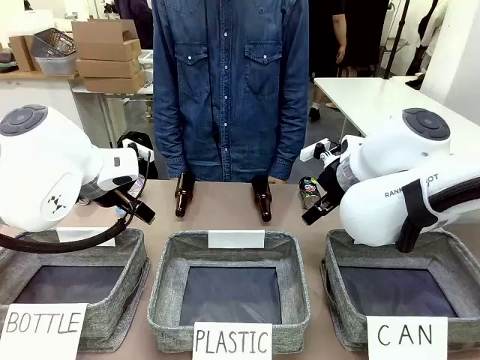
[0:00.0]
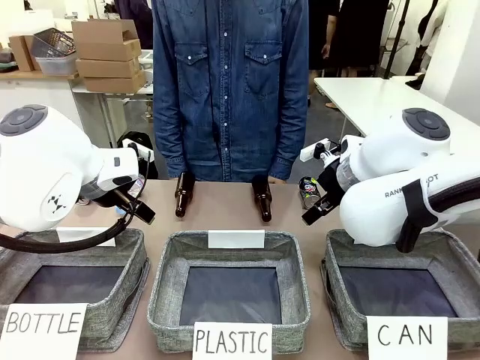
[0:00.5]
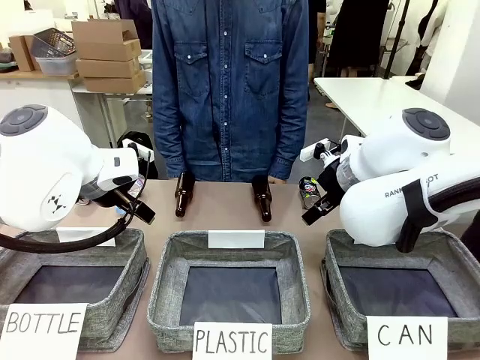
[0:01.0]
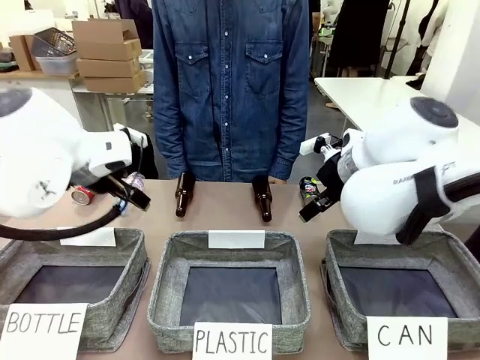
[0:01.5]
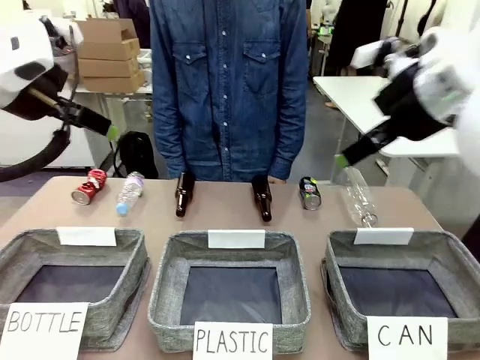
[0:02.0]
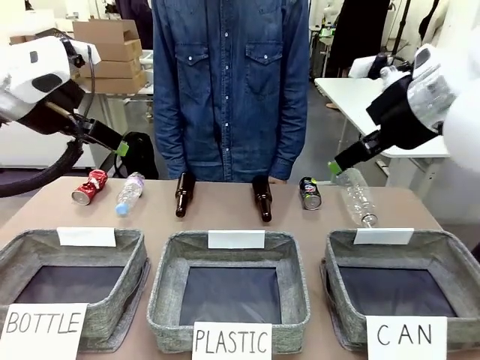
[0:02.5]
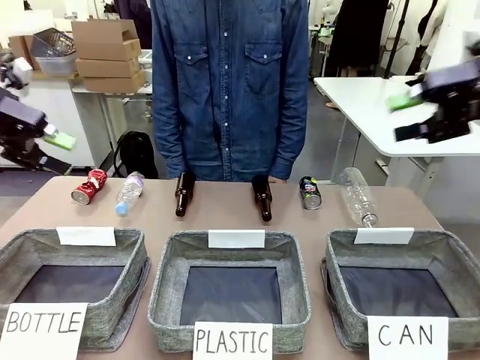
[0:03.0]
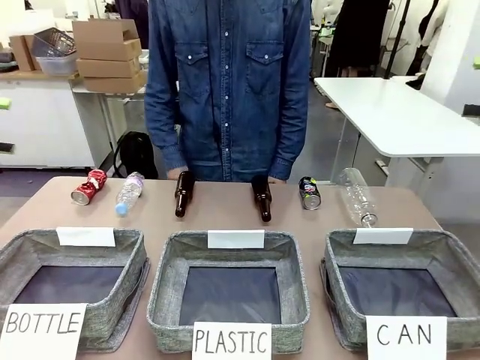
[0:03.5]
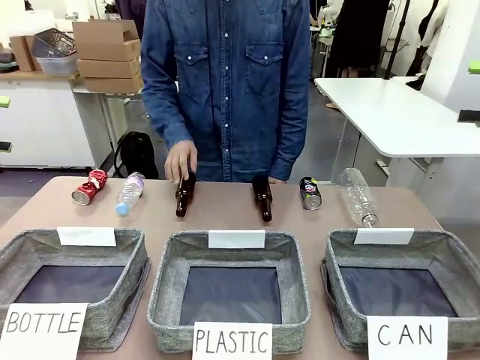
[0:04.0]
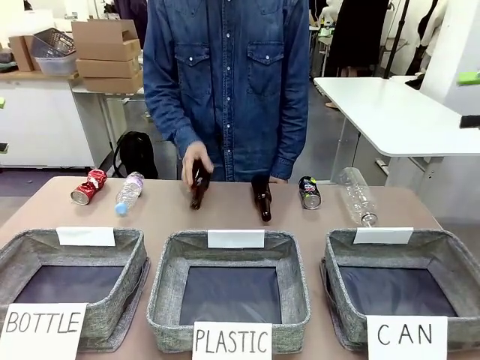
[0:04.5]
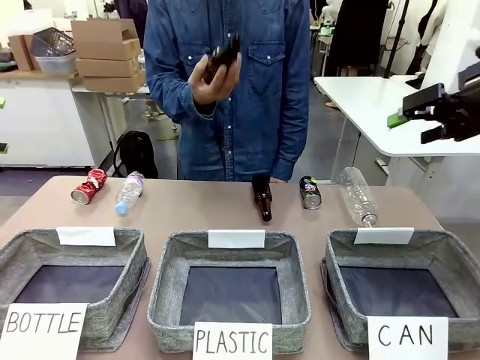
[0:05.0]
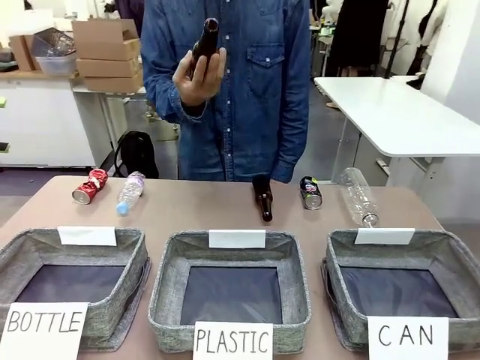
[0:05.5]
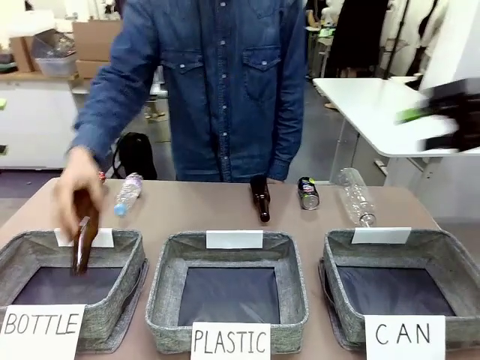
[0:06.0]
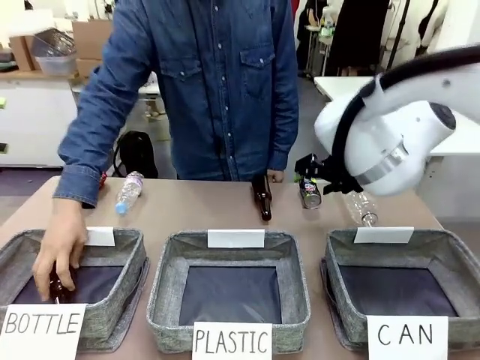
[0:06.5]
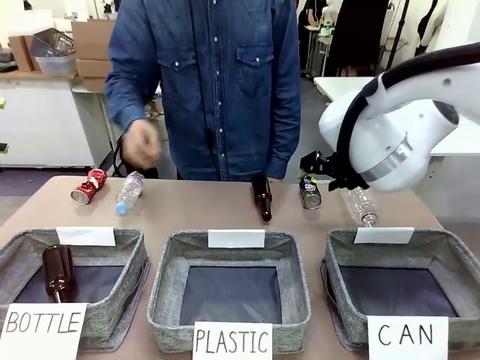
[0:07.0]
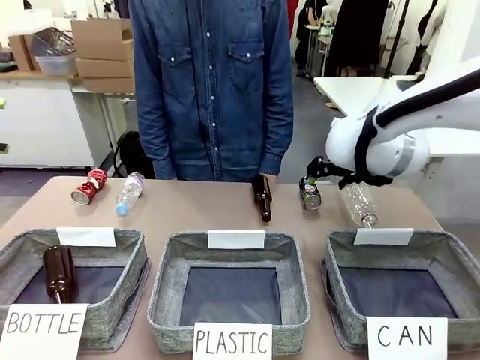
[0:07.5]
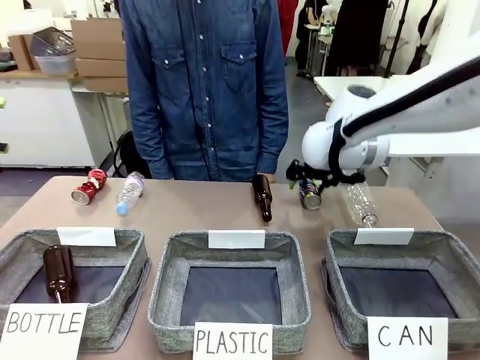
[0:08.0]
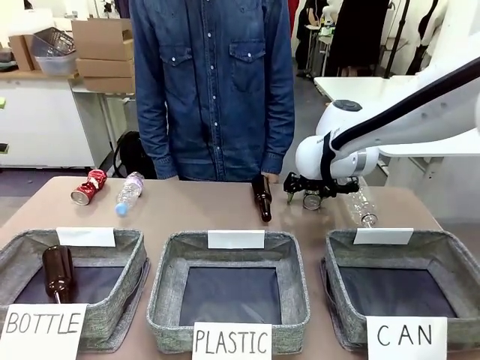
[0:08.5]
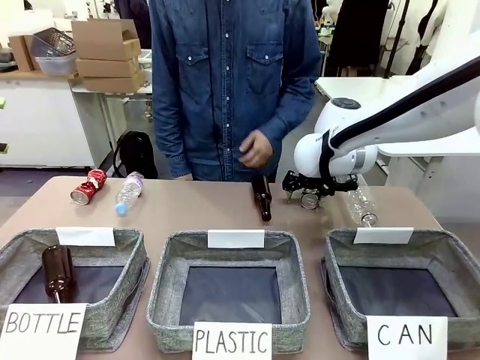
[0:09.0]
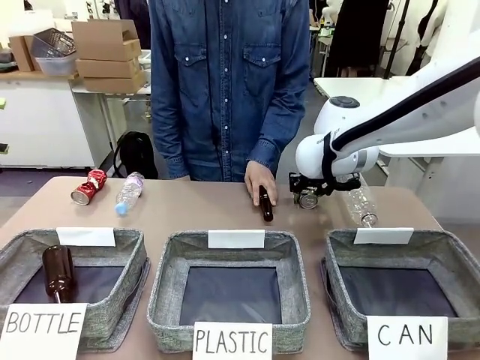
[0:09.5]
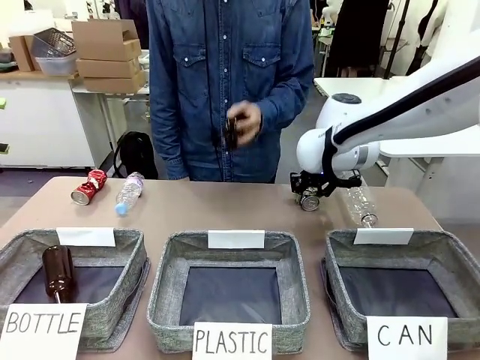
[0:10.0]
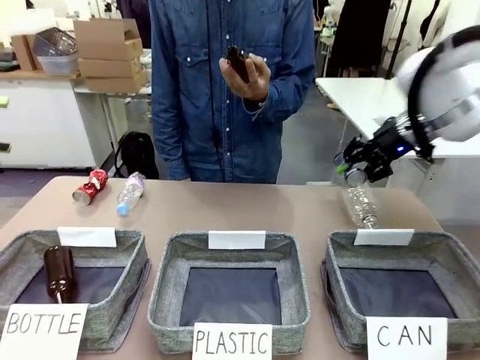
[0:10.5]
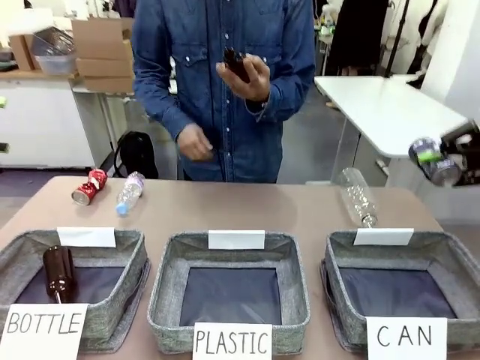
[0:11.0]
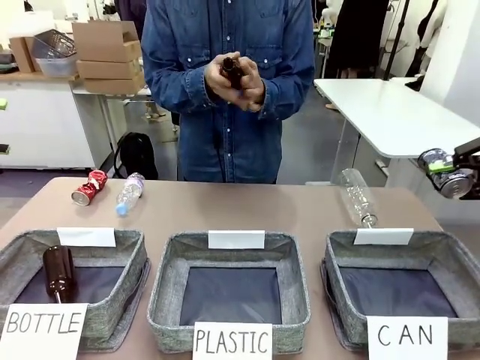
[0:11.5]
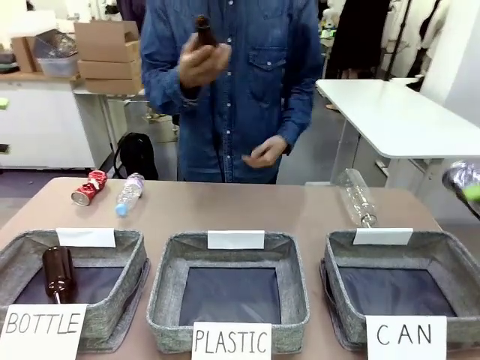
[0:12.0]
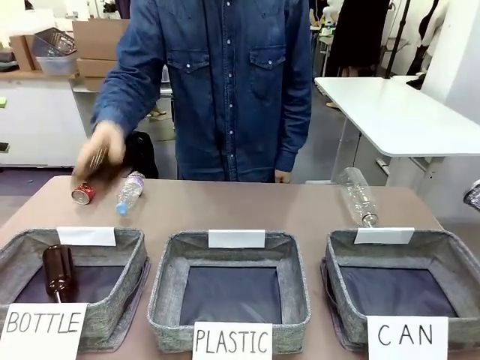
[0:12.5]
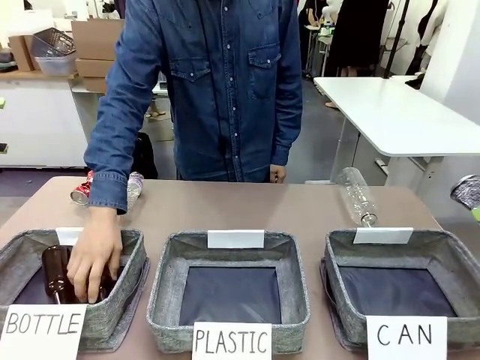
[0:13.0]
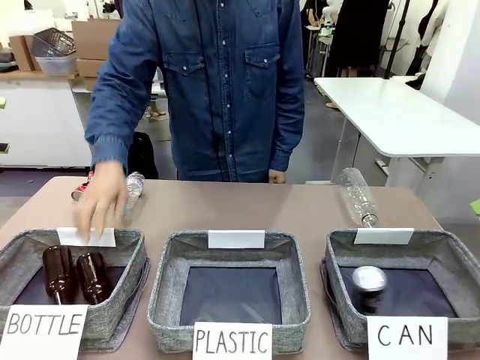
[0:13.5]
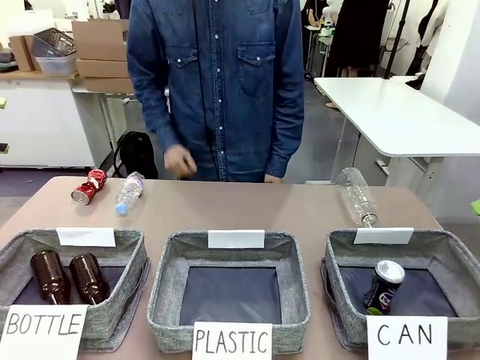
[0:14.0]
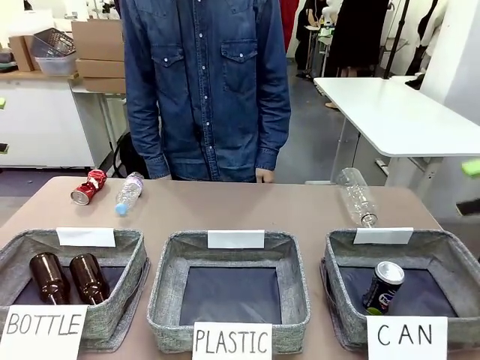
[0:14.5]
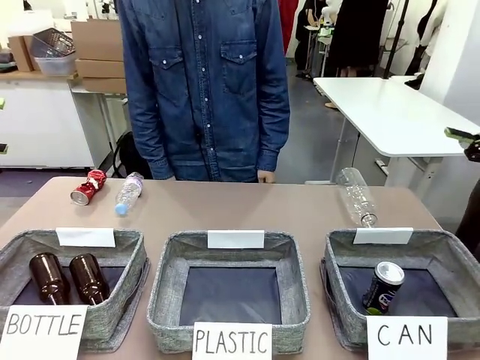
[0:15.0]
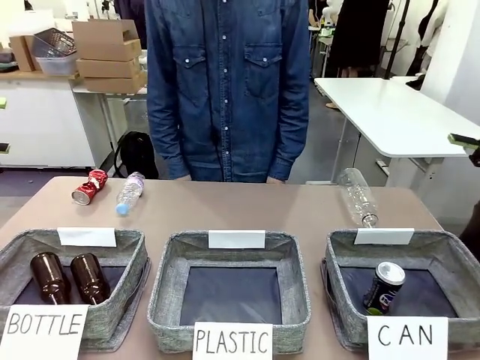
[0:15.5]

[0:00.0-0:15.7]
Task: Sort the can waste into the basket.
Robot: Pick up the can waste from the table and place it in the right Fabric basket.

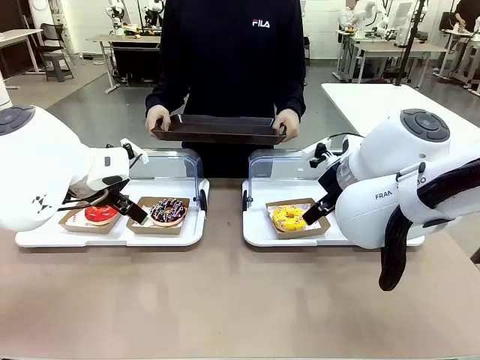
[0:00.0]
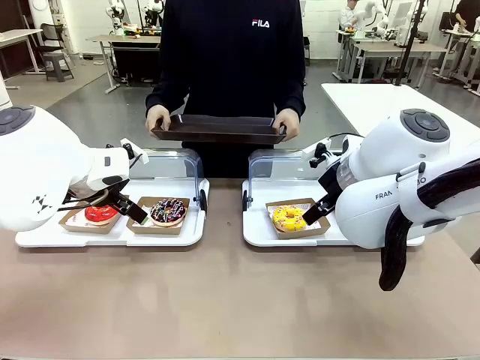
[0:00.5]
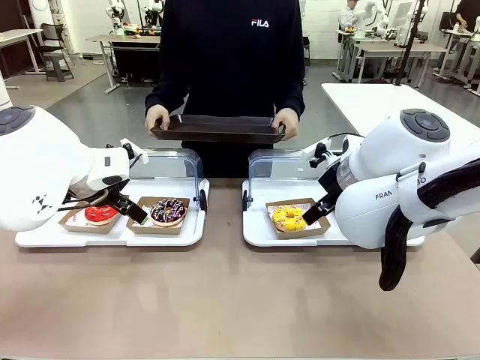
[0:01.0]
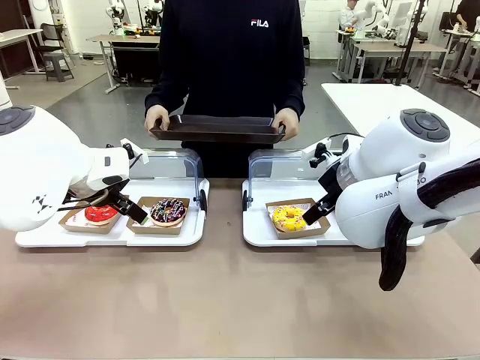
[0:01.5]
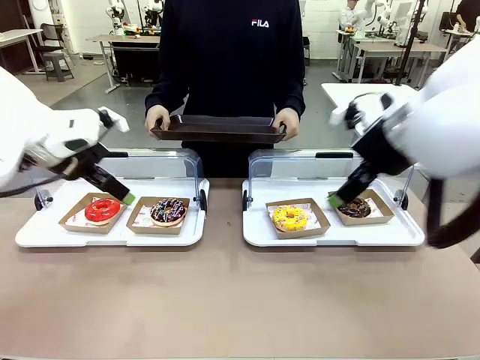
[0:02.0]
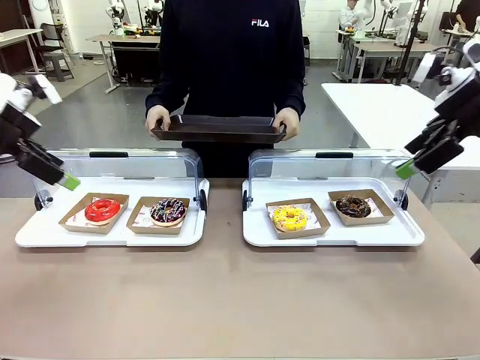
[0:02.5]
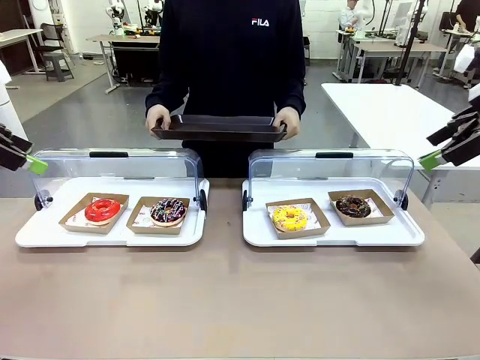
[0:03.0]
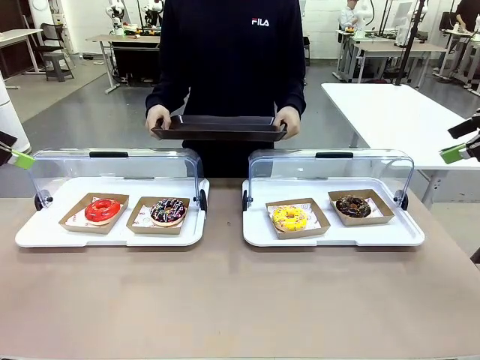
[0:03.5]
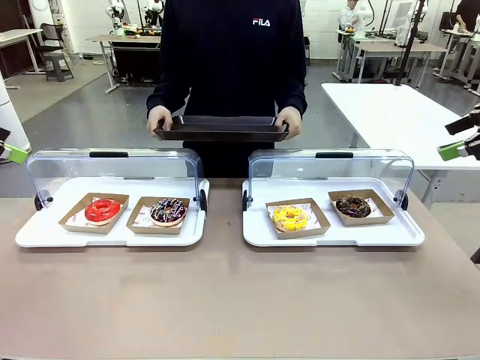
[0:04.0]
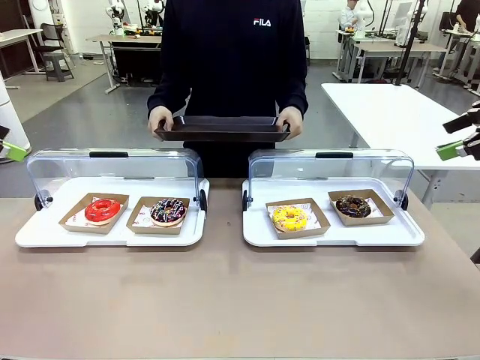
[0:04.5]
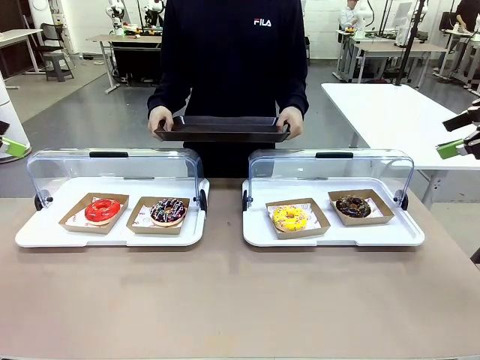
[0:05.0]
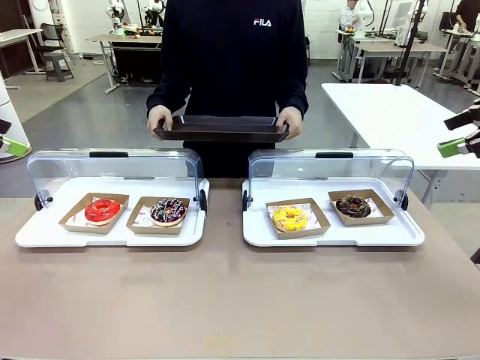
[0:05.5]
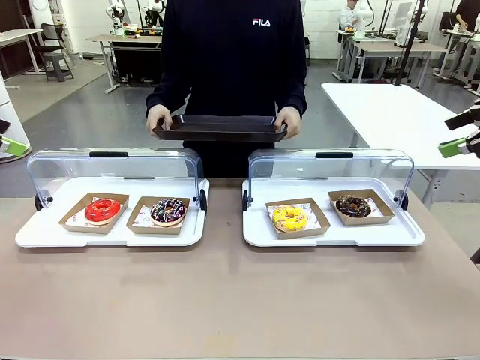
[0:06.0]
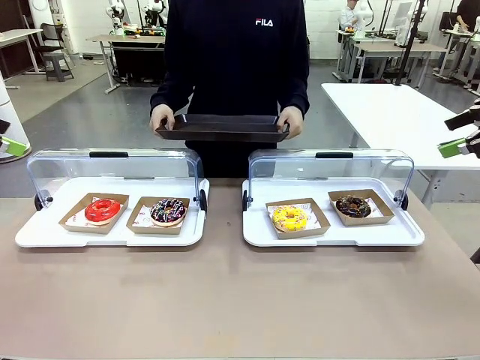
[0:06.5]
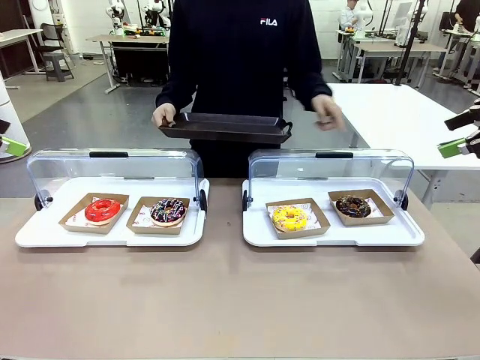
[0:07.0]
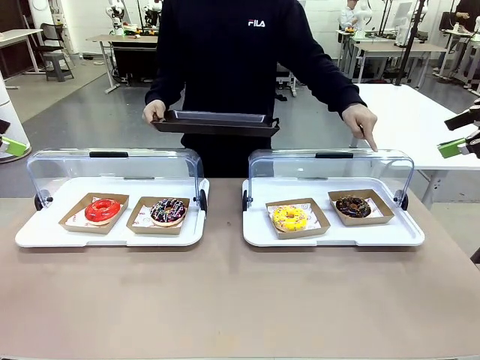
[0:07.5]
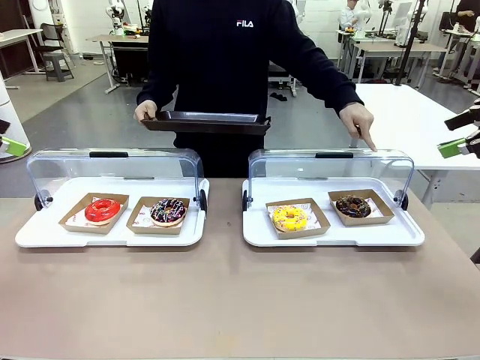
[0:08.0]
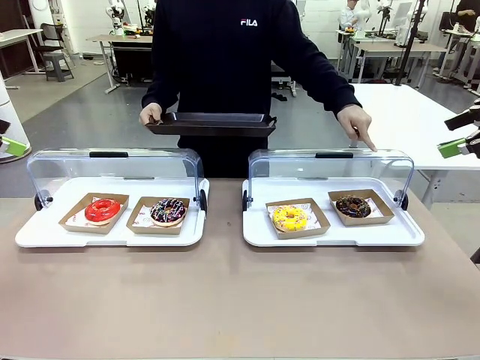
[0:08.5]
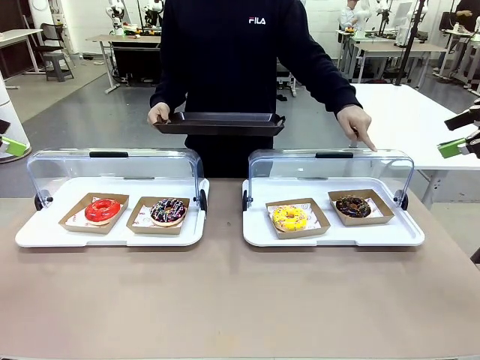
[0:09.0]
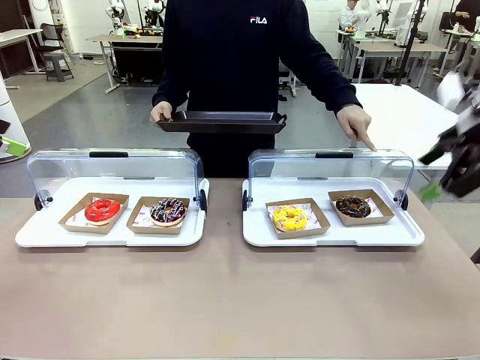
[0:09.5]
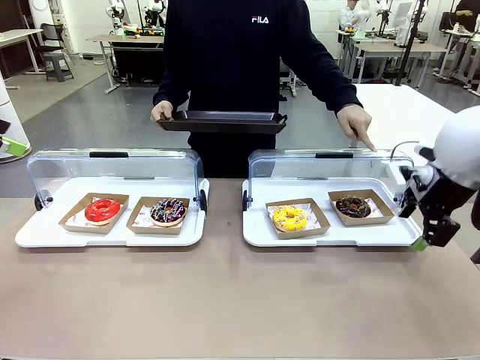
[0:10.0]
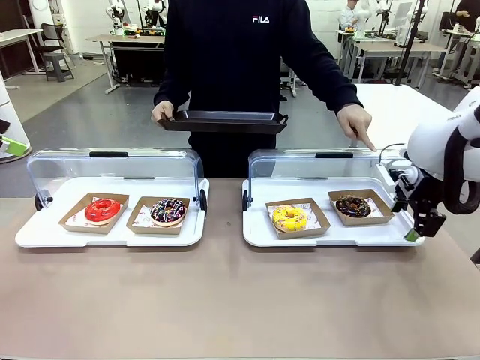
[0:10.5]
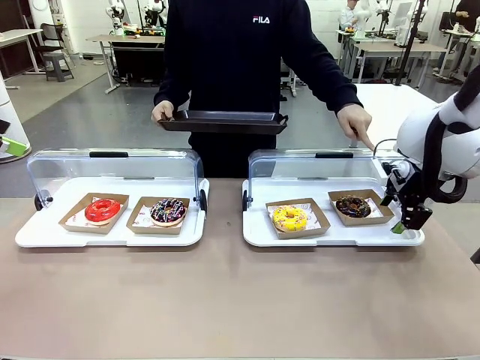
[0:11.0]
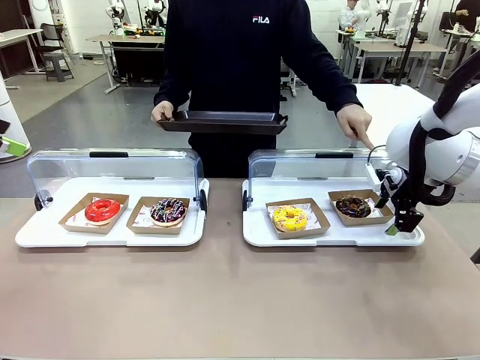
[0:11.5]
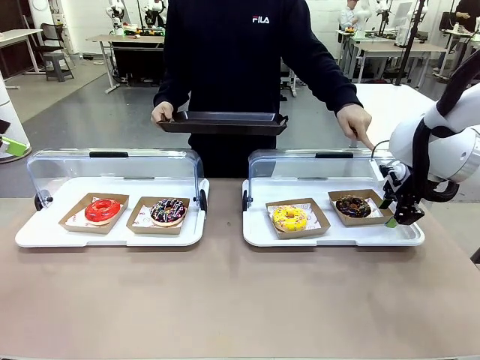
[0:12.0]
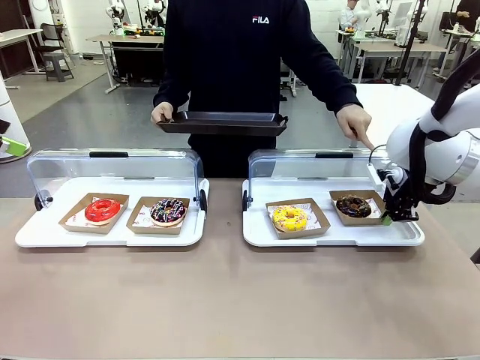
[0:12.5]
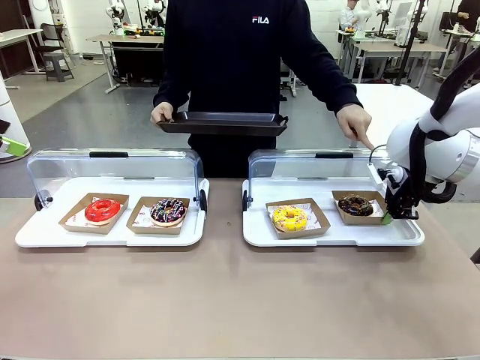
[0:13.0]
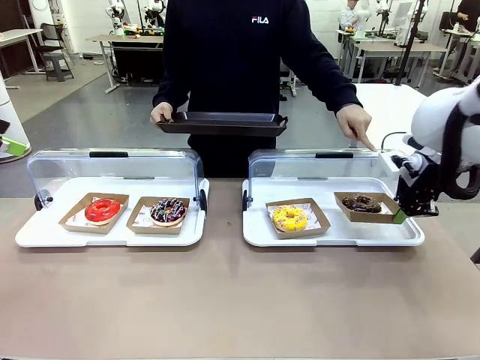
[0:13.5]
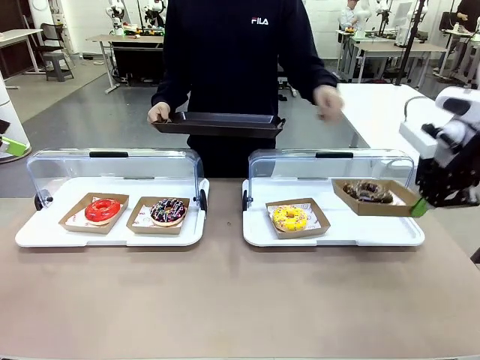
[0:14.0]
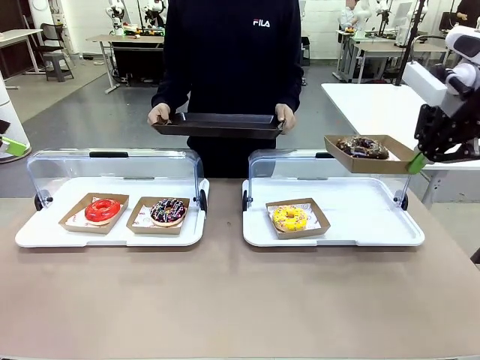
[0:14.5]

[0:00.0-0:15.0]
Task: Provide the desired donut to the person.
Robot: Pick up and lift the Paper togo box containing the Donut pointed at by the person.
Person: Point to one donut. Lift the tray onto the Roll-Top Bakery Case.
